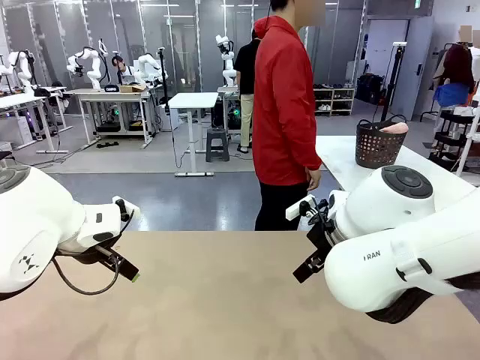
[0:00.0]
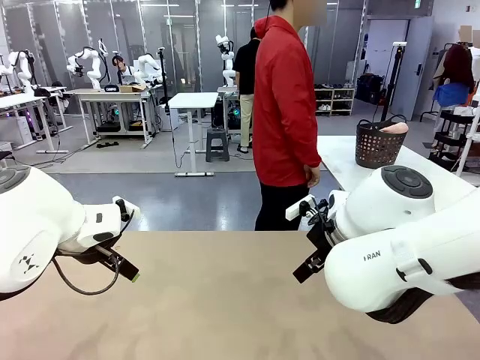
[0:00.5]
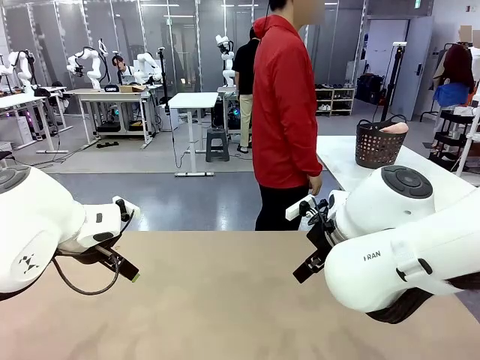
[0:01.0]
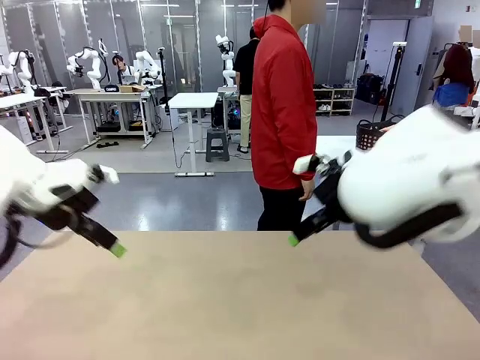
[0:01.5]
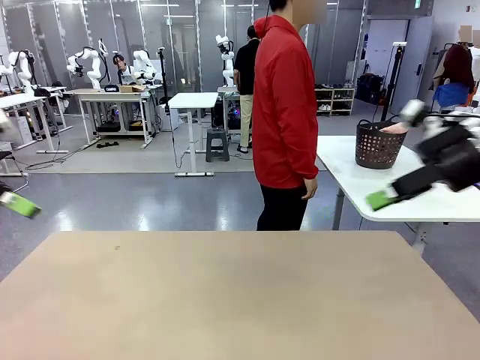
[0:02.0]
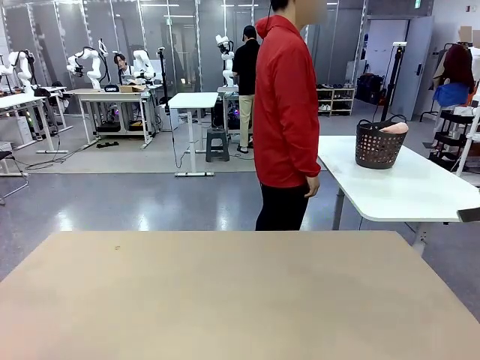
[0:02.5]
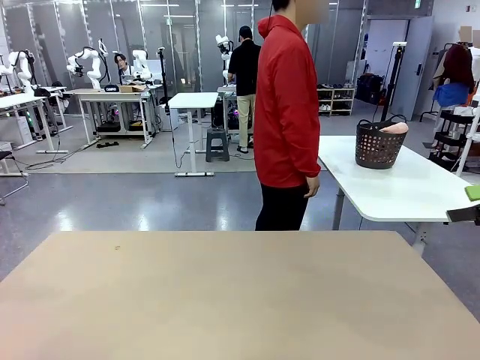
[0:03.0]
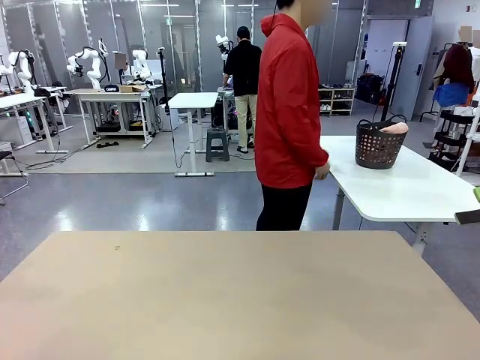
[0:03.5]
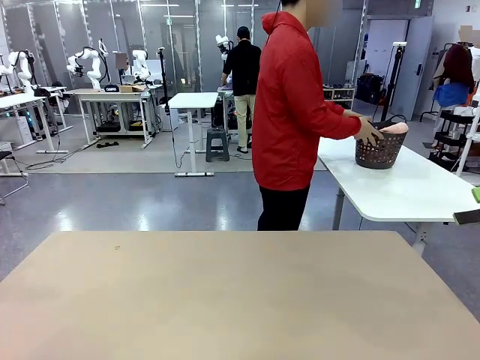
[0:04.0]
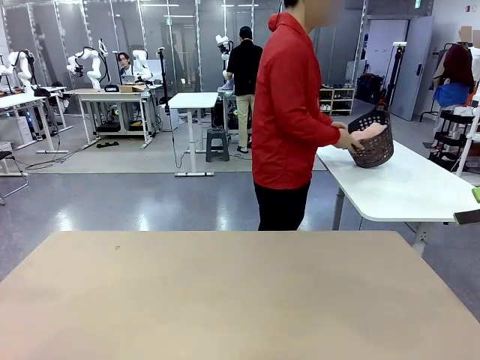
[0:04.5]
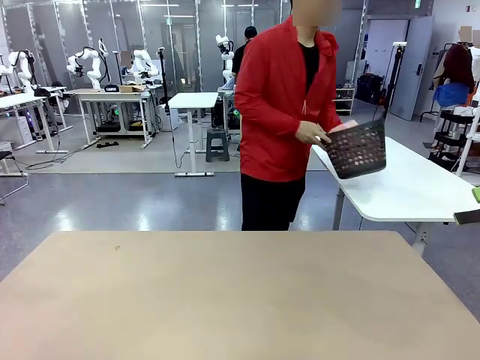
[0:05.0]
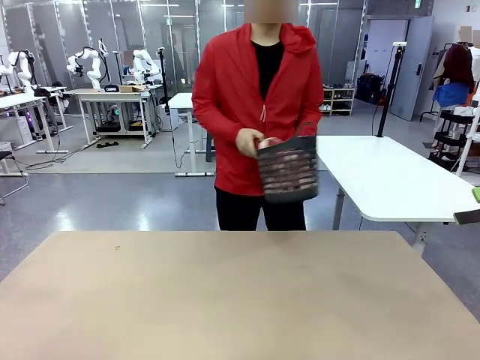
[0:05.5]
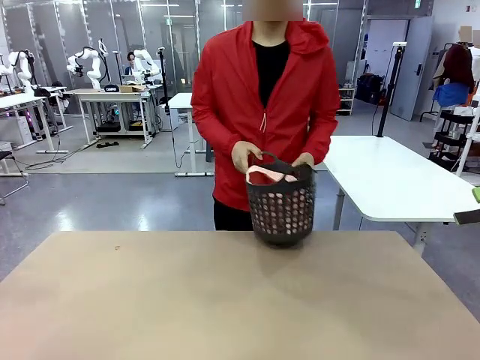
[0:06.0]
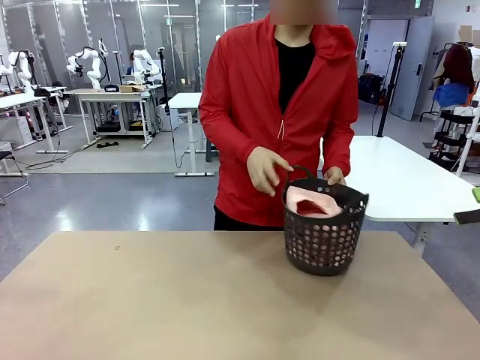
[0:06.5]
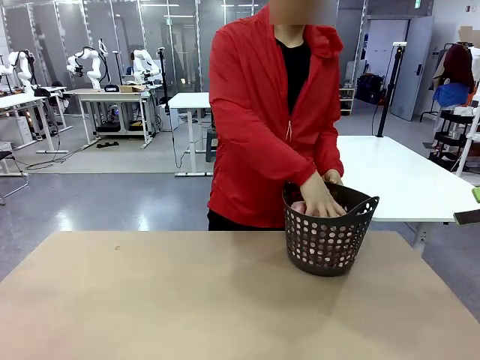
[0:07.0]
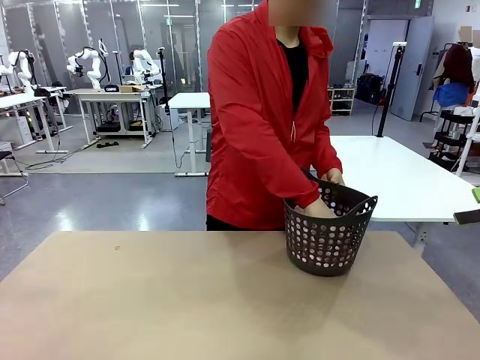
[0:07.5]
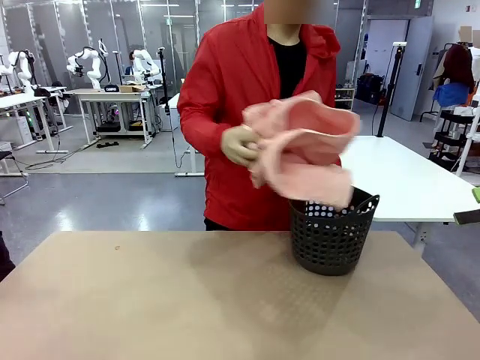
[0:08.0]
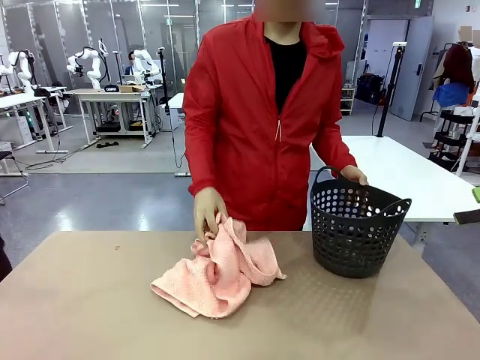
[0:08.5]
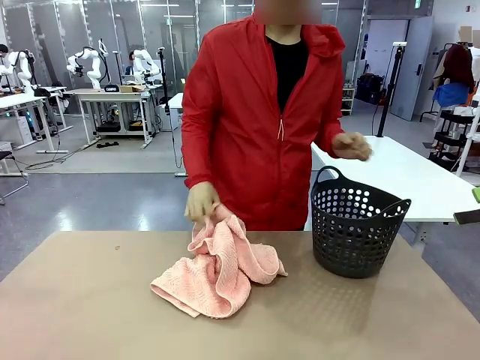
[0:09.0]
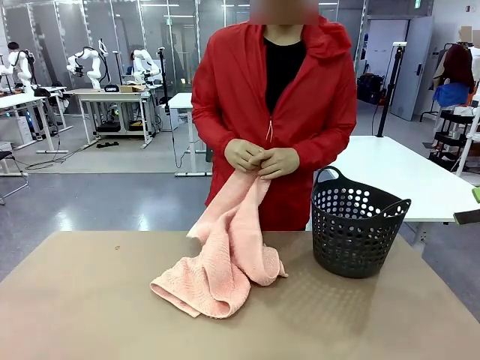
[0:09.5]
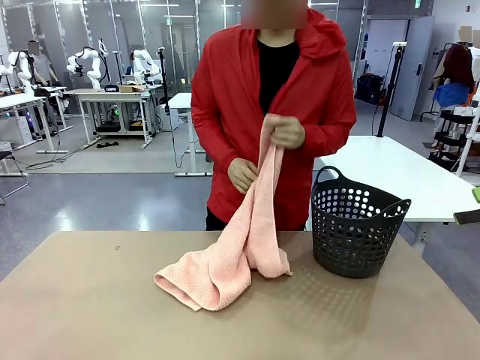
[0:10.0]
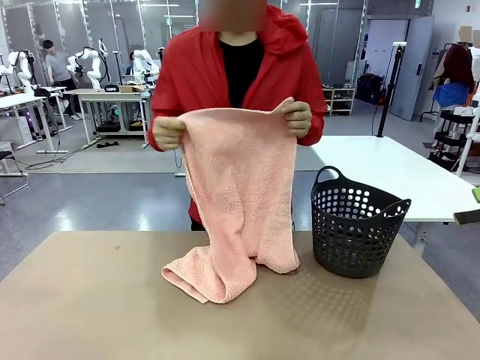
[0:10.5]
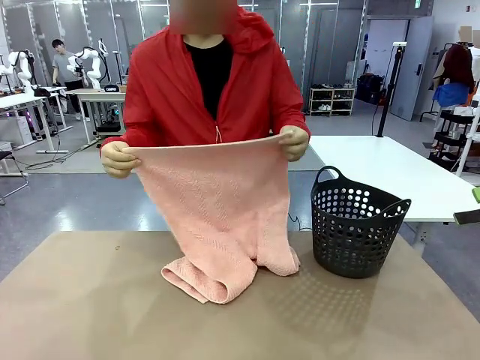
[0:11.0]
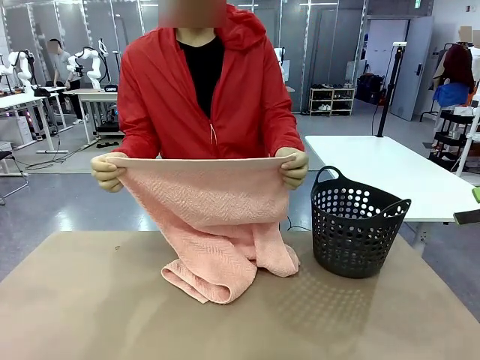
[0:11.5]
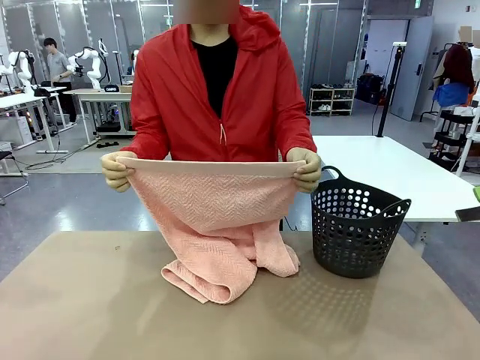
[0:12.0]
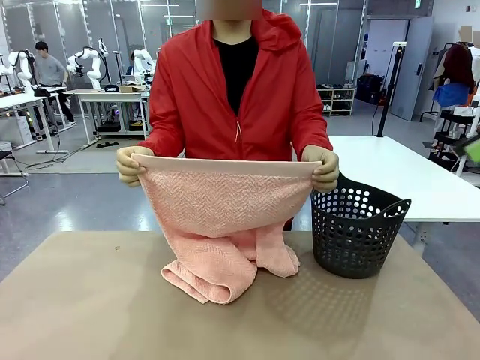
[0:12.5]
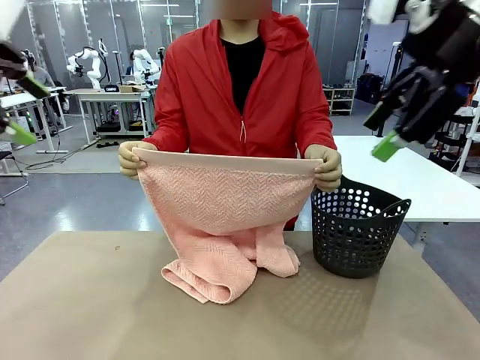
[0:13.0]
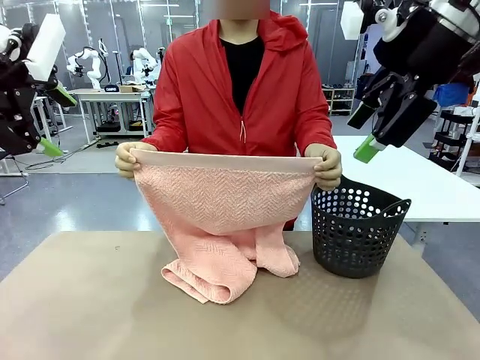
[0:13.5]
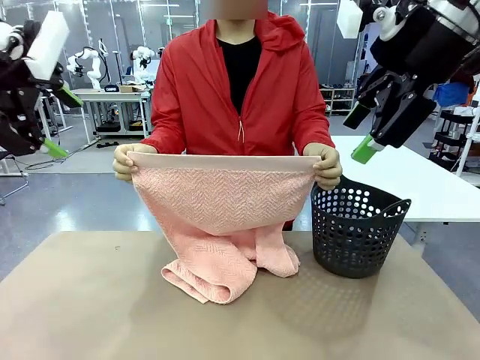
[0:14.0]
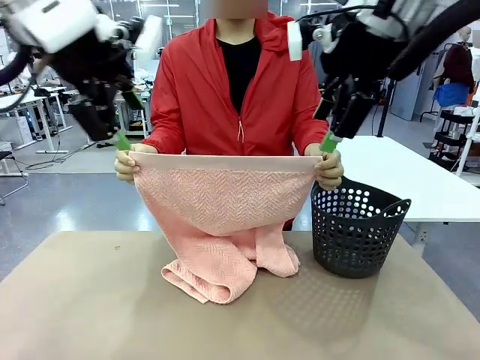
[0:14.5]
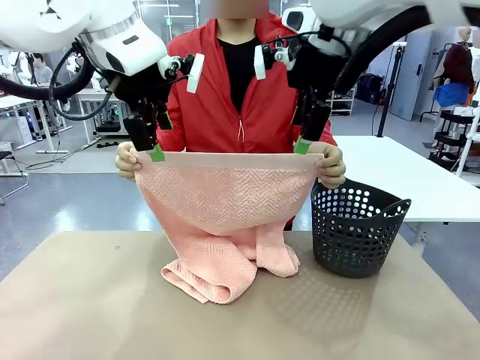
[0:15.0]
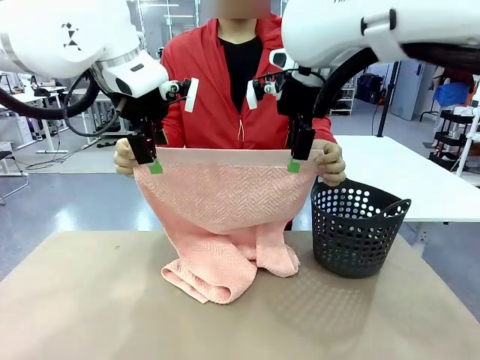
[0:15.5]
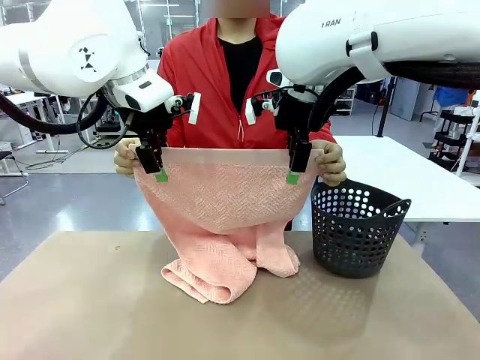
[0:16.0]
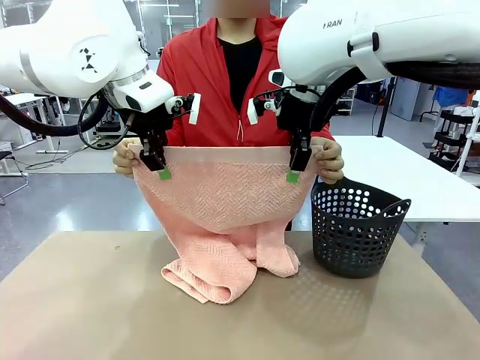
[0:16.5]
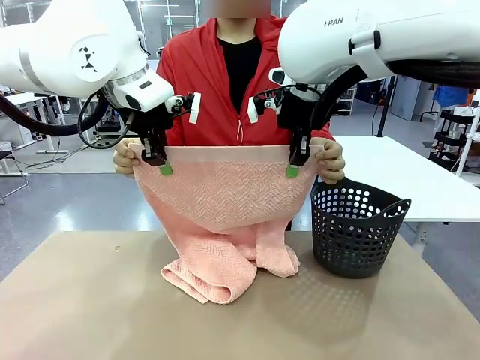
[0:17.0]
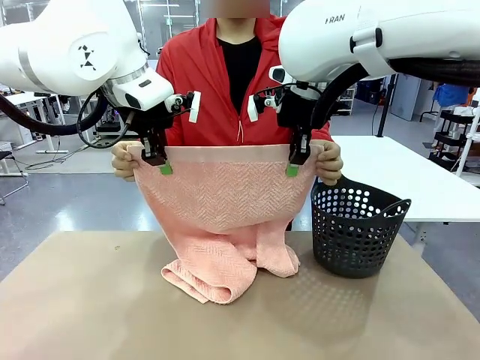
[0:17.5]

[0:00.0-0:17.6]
Task: Fold the towel.
Robot: Grab the top end of the 100 cm Hotel Towel extended by the human.
Person: Pick up the laundry basket, place it on the left side of the robot table, then take out a towel and hand it to the robot while holding both corners of one end.

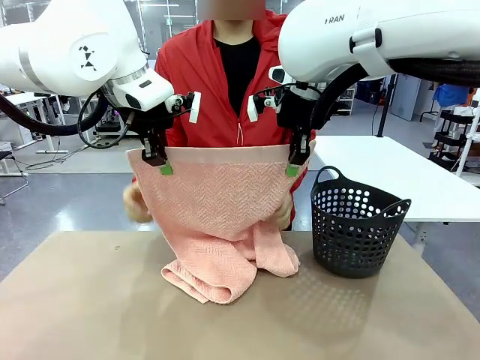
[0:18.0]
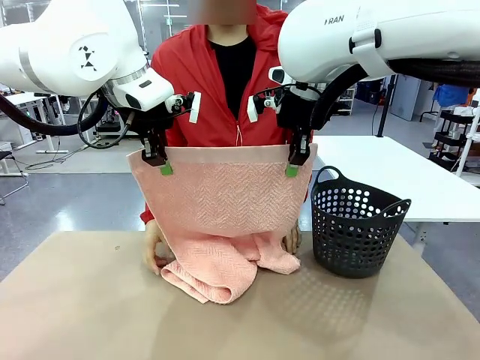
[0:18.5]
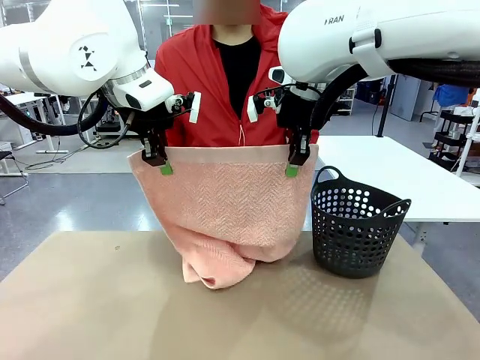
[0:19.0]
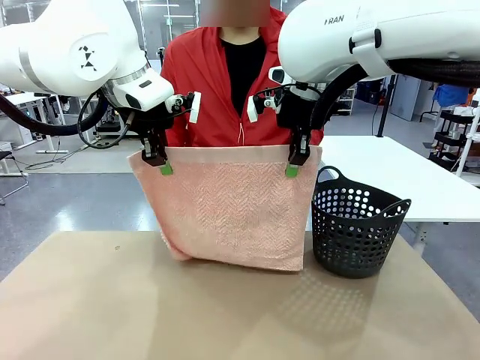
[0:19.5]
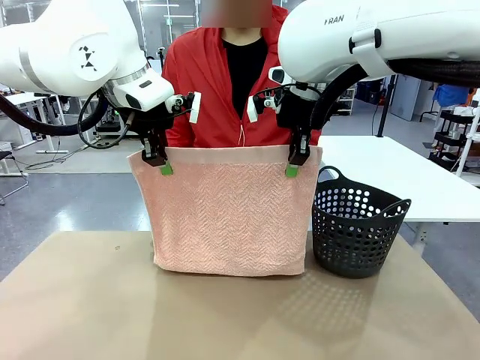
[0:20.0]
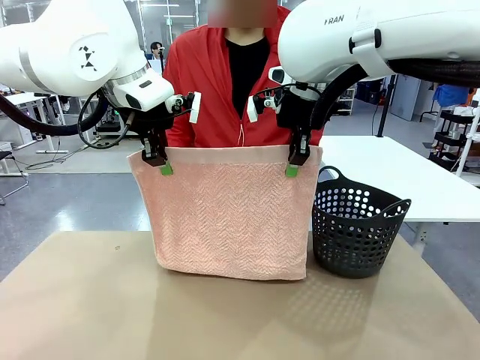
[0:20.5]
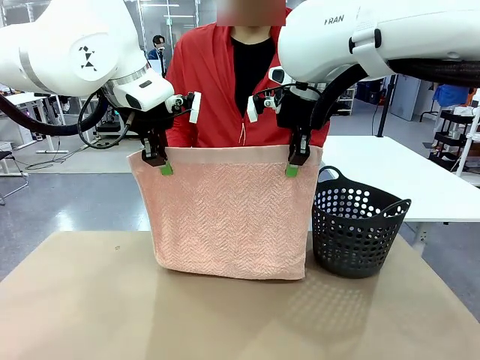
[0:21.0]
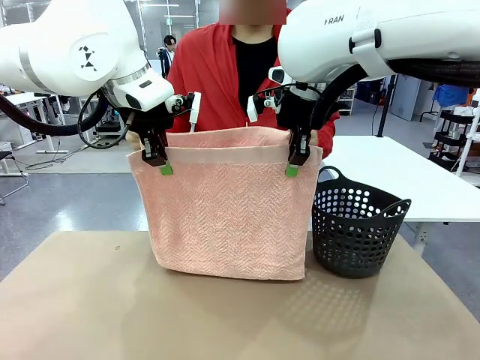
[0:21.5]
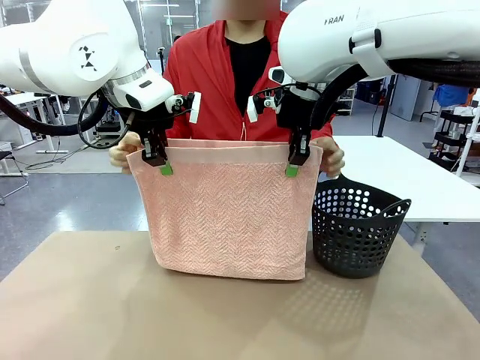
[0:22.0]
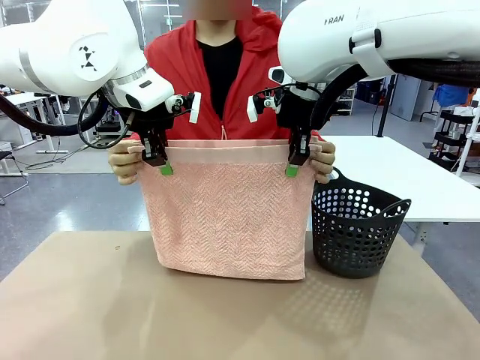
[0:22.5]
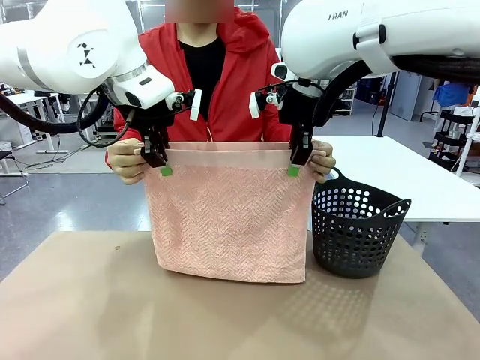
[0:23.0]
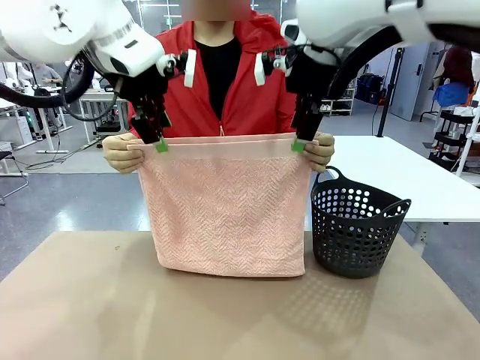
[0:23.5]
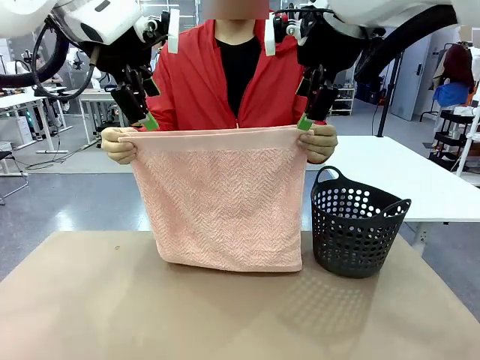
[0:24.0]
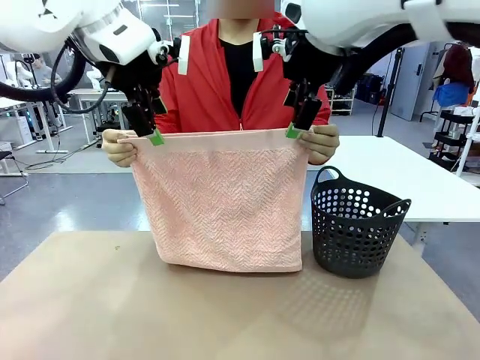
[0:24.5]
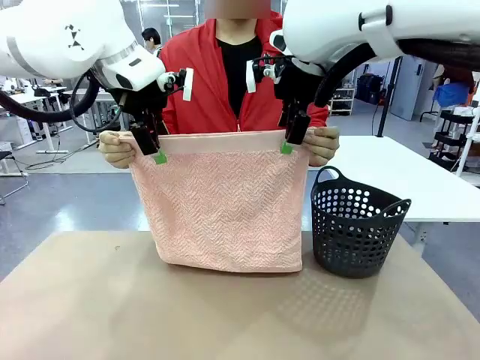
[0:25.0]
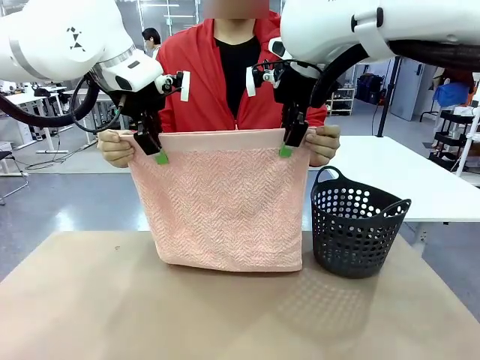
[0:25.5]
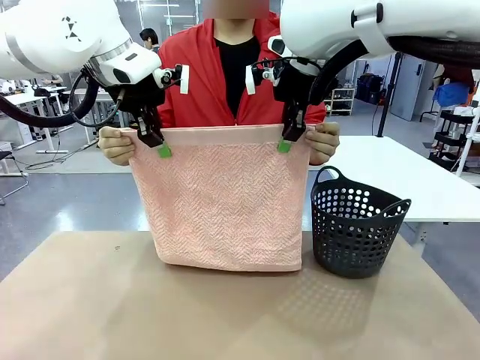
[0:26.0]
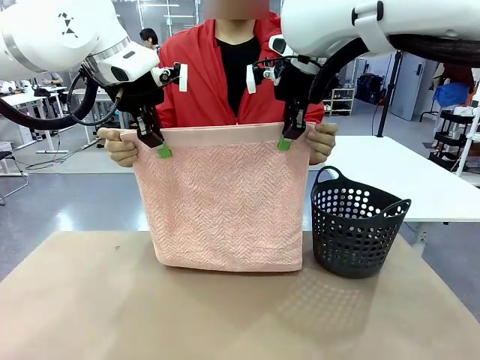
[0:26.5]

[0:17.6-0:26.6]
Robot: Release the end of the 100 cm Hotel Towel you were holding and grab the top end of the folded side.
